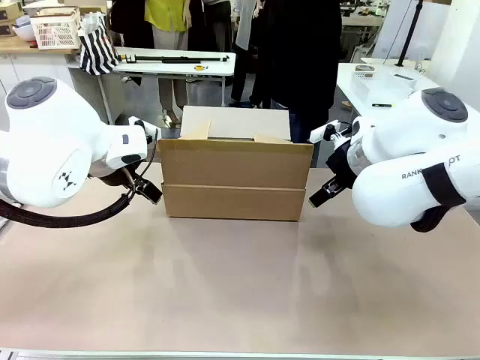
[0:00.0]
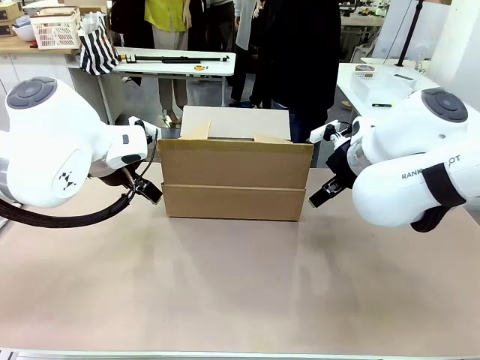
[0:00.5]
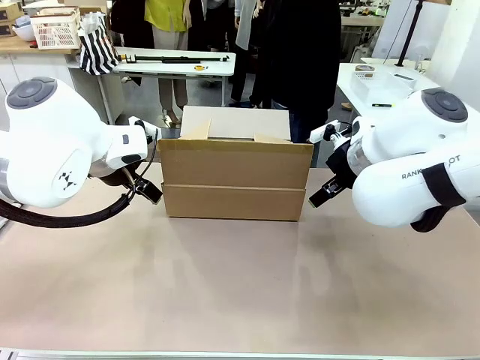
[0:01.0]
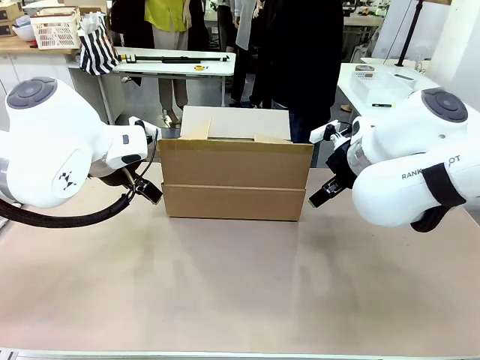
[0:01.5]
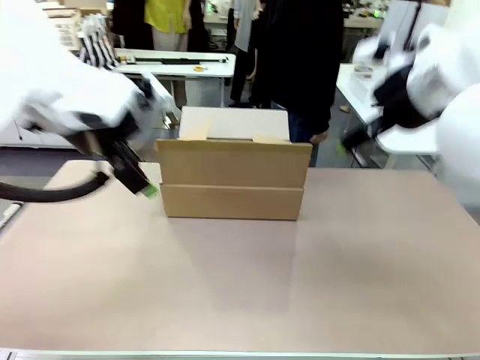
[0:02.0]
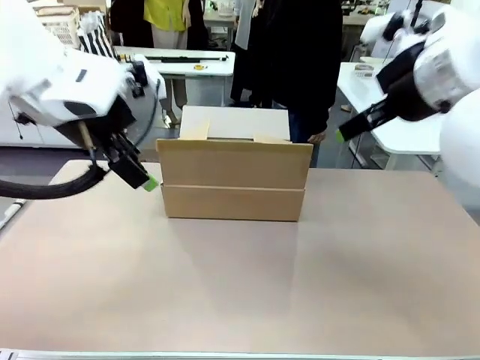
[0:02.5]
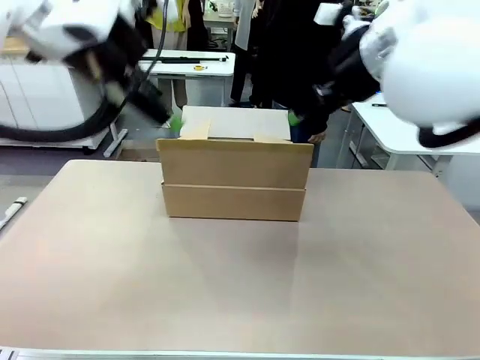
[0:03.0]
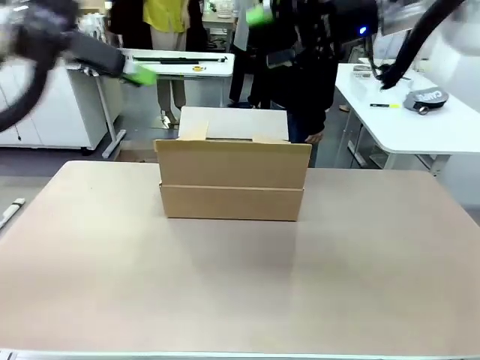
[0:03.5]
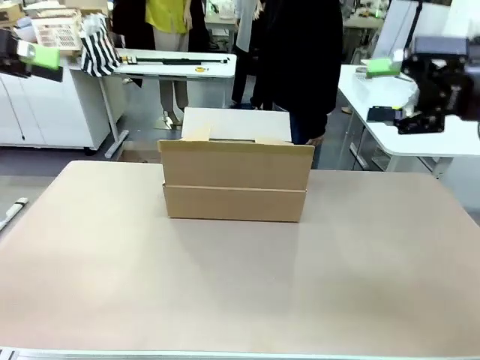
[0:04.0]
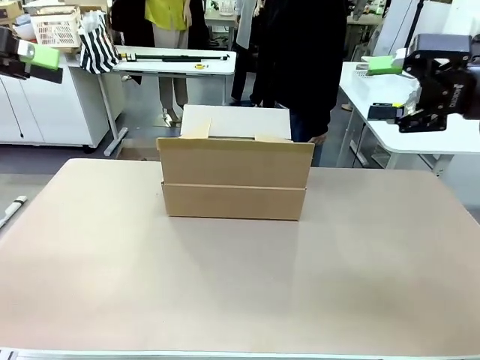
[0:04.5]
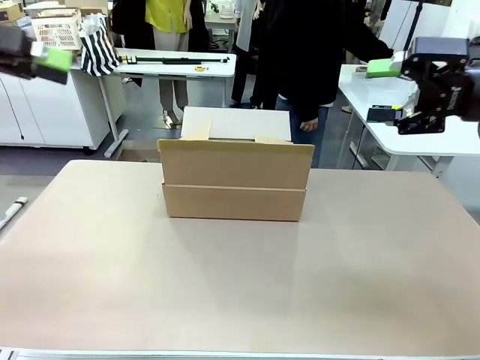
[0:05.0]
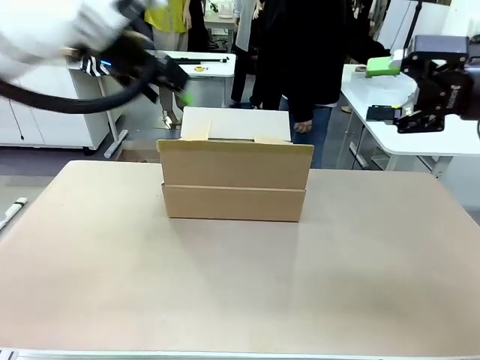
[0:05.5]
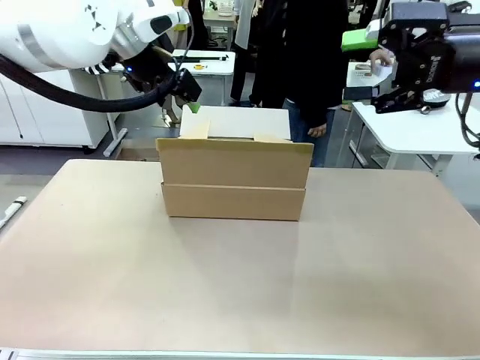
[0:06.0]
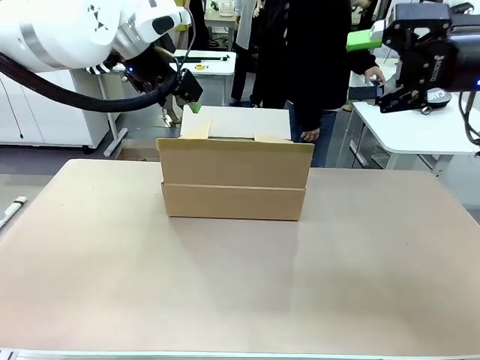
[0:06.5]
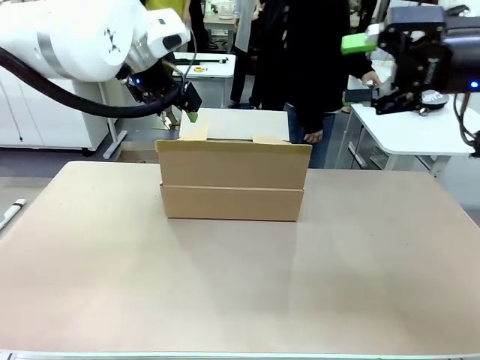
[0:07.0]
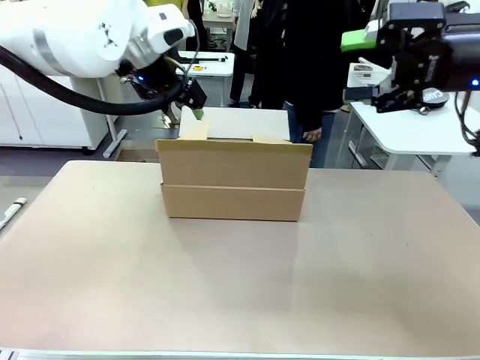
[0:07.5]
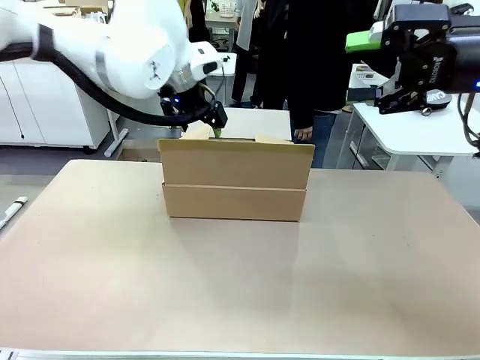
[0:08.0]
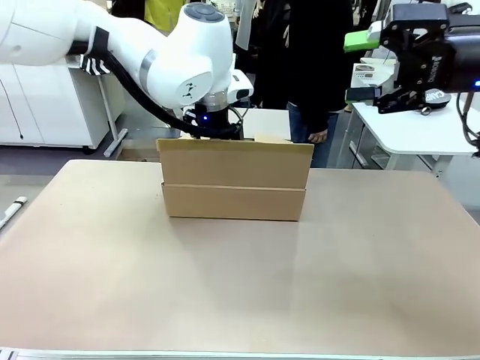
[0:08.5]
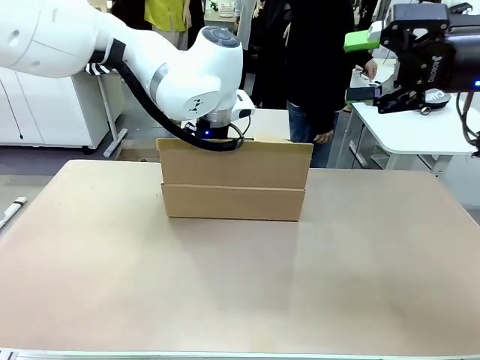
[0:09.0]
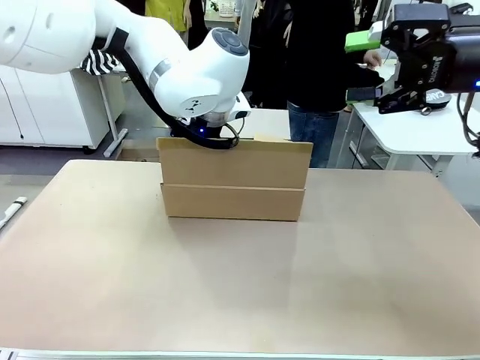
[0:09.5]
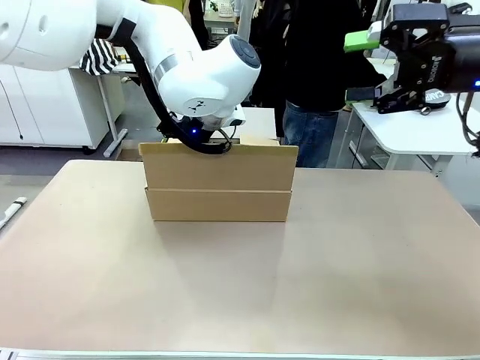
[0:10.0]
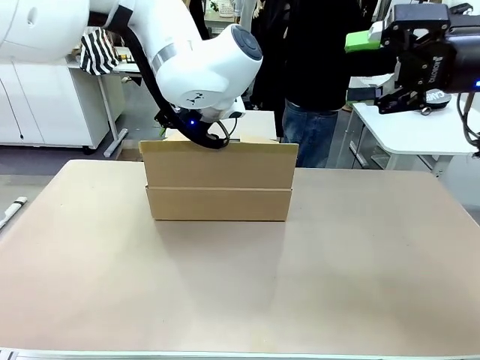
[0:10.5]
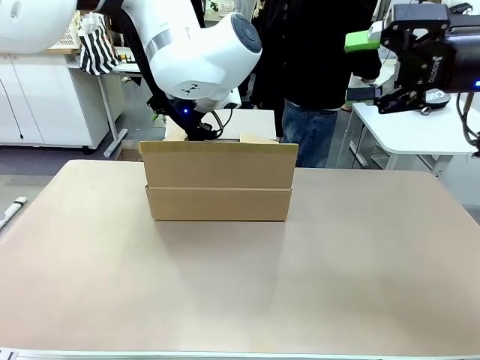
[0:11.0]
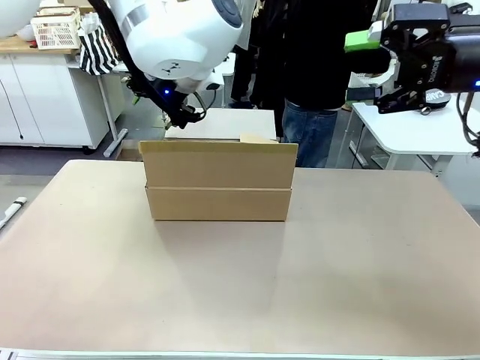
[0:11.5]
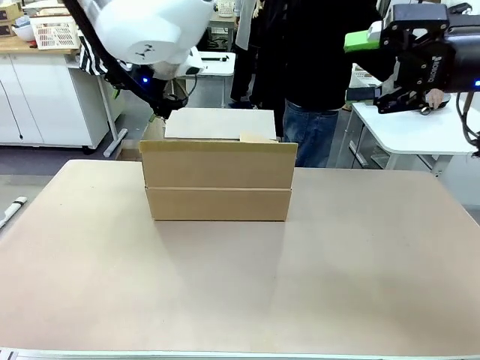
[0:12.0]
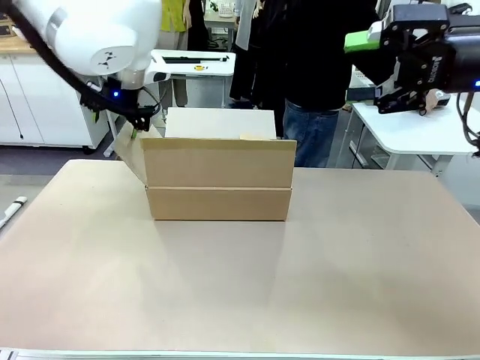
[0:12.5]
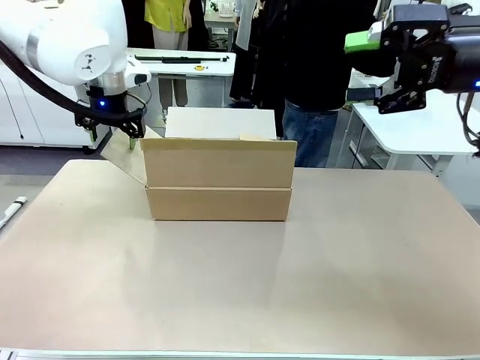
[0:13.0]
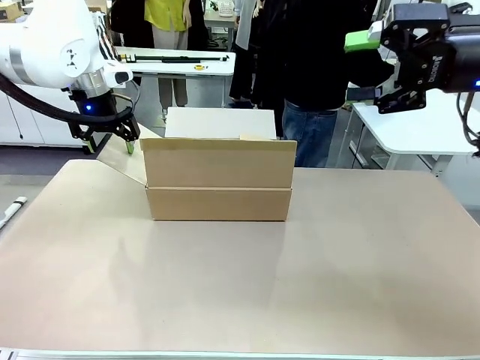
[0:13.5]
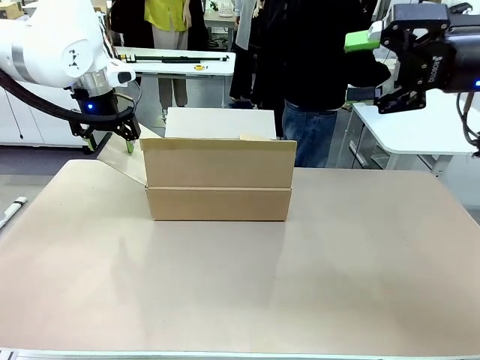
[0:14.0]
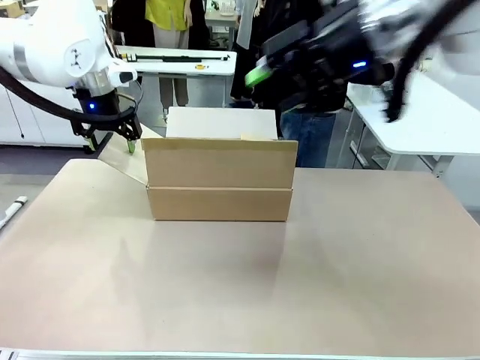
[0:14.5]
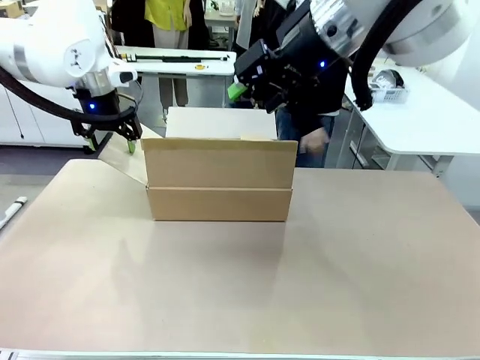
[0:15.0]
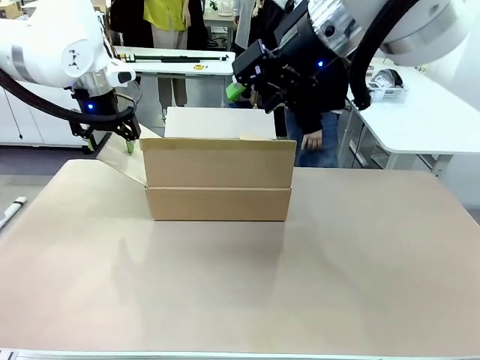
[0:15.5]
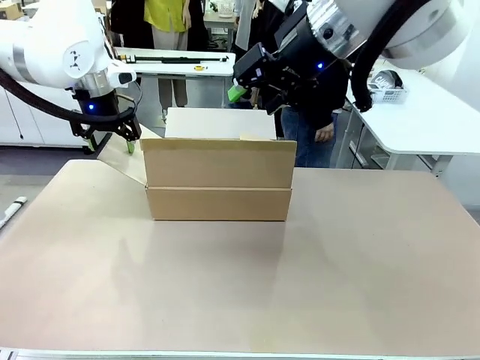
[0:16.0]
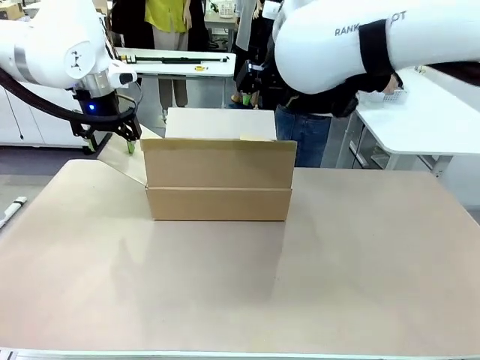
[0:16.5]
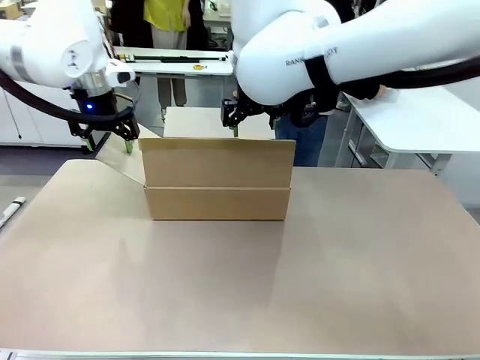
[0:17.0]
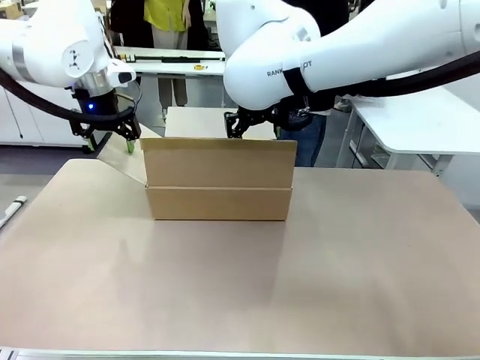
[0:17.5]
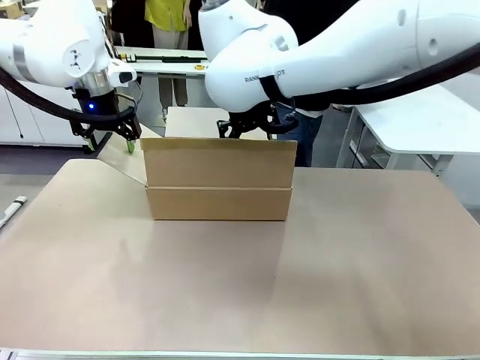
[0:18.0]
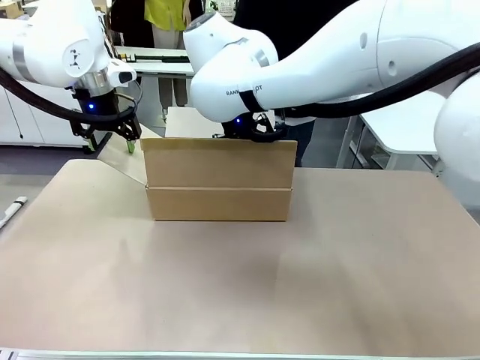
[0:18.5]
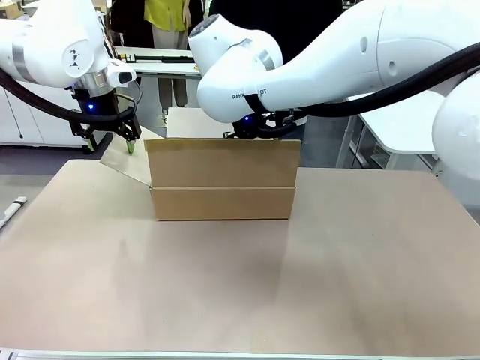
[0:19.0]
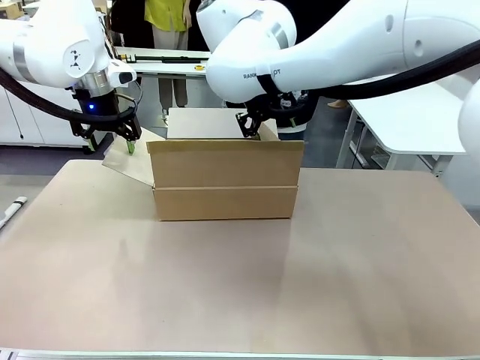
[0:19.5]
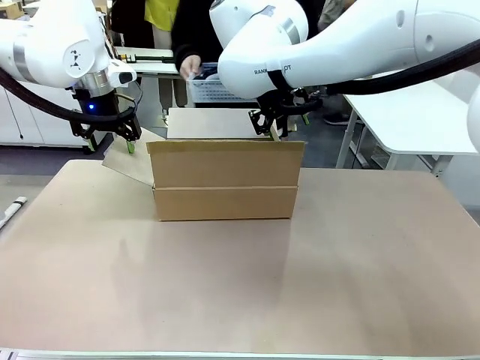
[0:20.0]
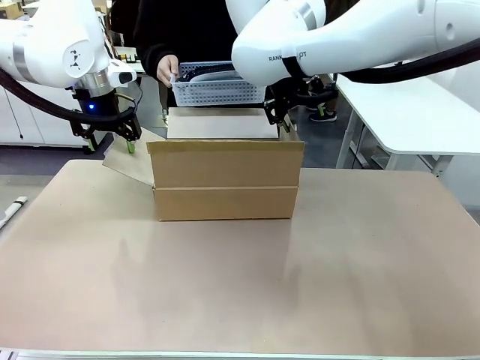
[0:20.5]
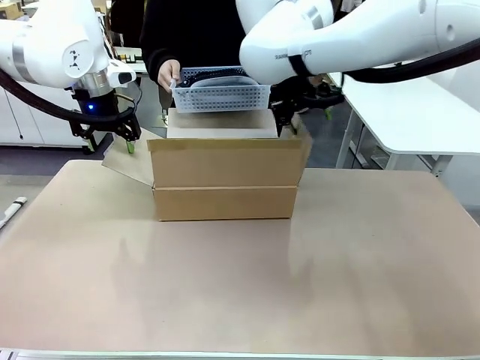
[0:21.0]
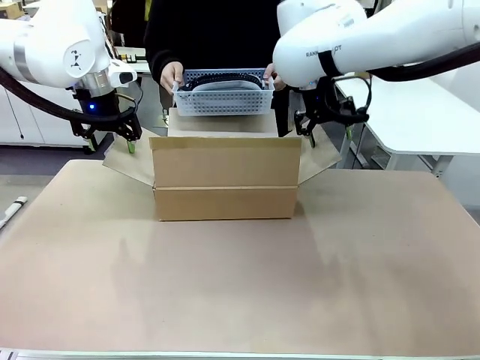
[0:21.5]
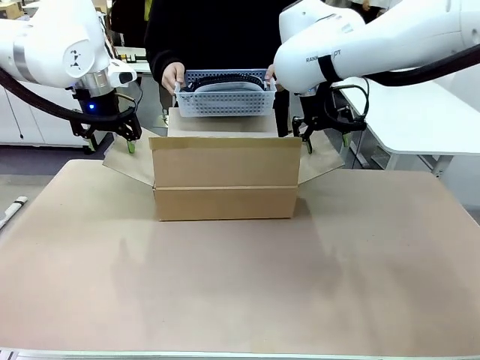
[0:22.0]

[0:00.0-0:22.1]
Task: Pack the gift set into the box.
Robot: Place both hands on the side flaps of the Package Box and spread them outward.
Person: The human places all items except the paper tape into the organizing basket. The human picks up the organizing basket and places the organizing basket into the package box on the robot table.

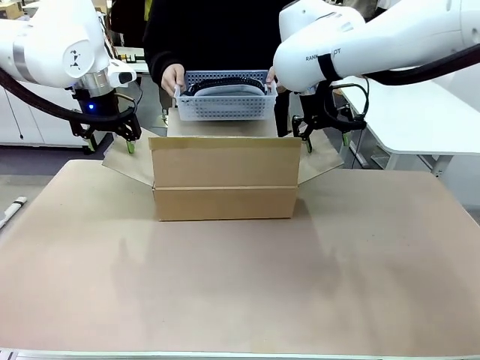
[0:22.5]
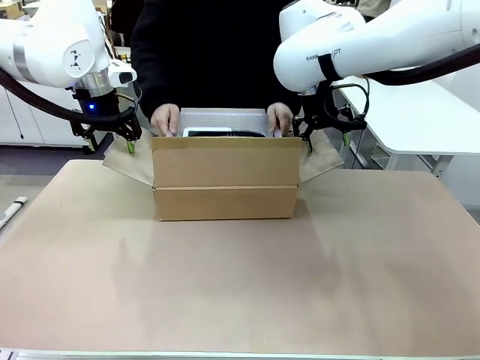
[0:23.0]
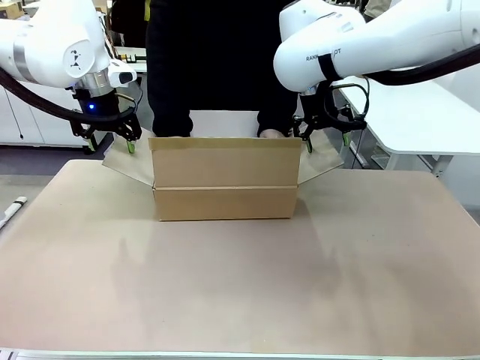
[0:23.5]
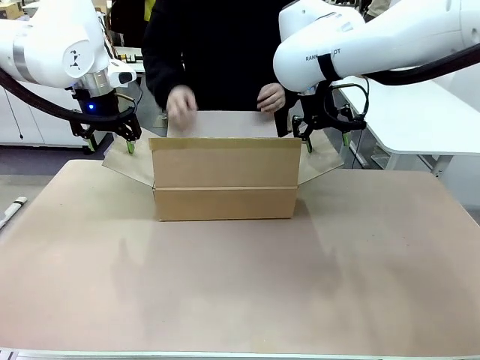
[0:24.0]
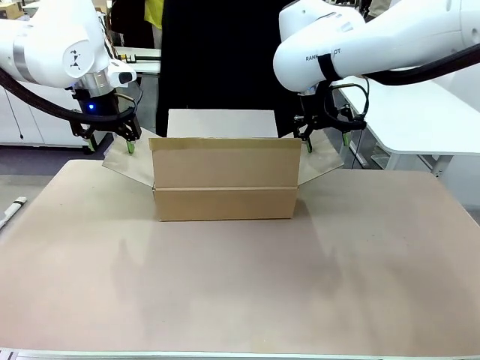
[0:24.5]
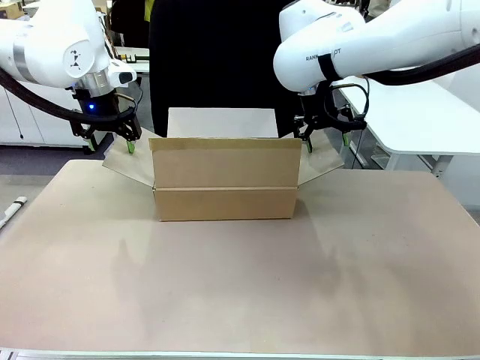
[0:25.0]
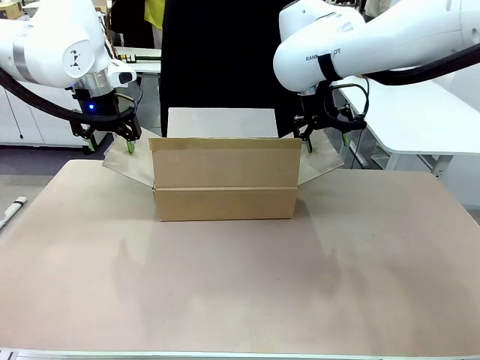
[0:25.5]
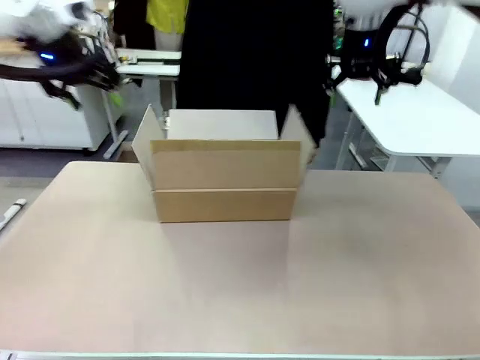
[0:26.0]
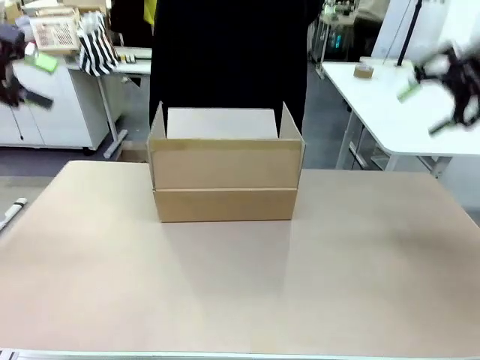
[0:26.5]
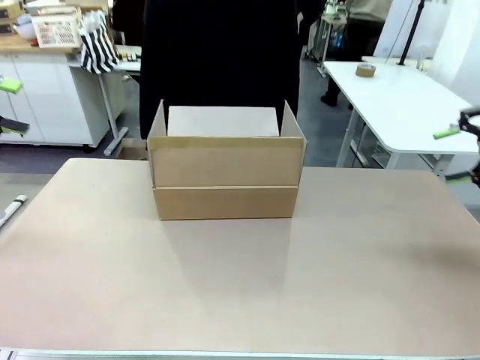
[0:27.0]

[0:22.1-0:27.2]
Robot: Lift both hands away from the flaps of the Package Box.
